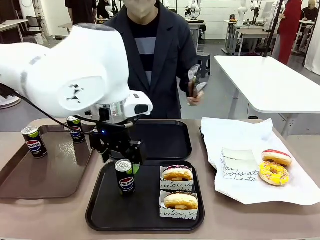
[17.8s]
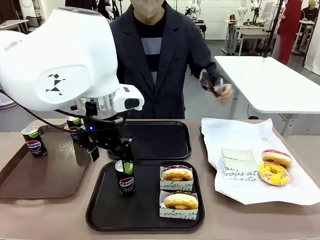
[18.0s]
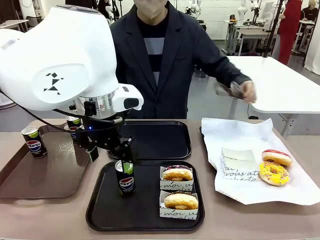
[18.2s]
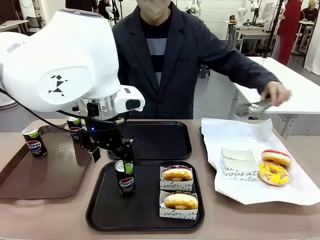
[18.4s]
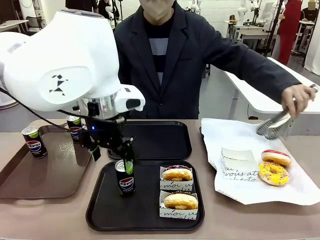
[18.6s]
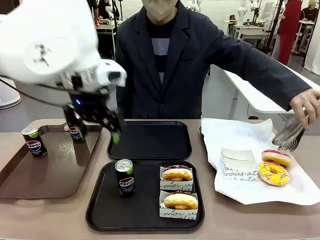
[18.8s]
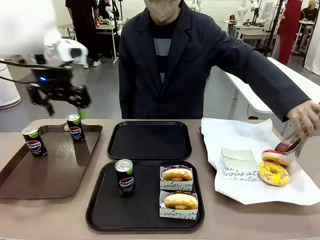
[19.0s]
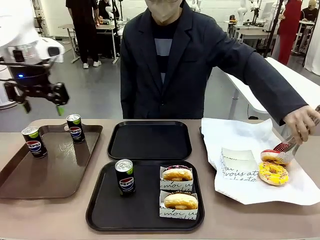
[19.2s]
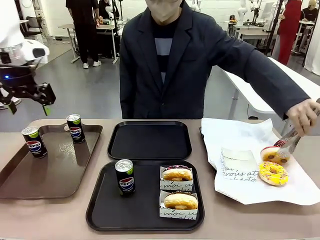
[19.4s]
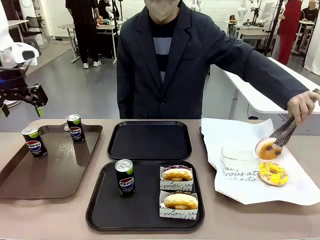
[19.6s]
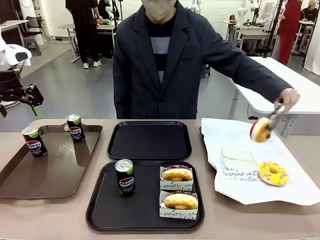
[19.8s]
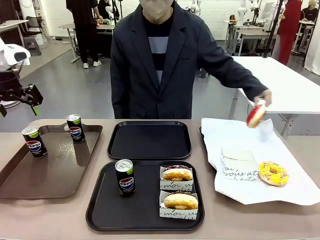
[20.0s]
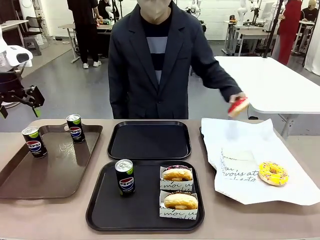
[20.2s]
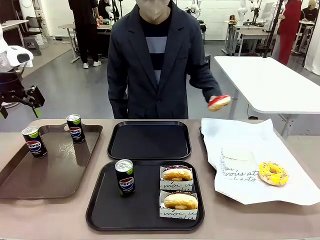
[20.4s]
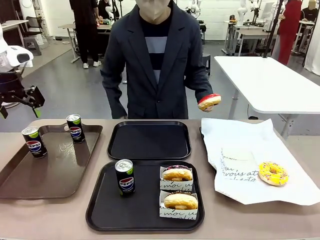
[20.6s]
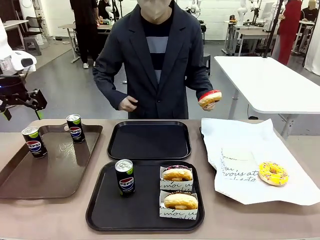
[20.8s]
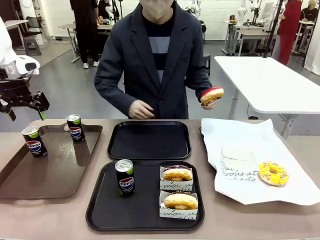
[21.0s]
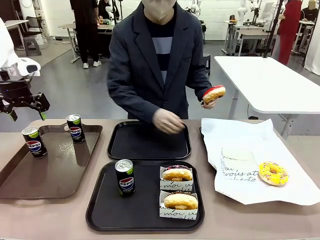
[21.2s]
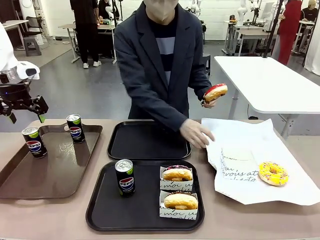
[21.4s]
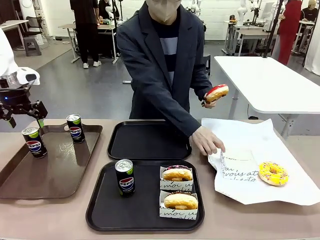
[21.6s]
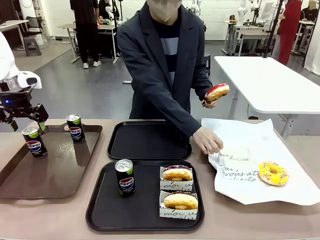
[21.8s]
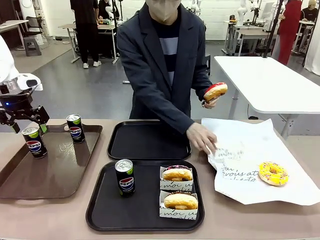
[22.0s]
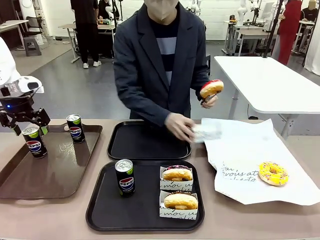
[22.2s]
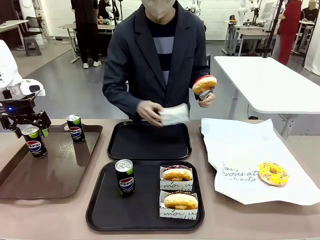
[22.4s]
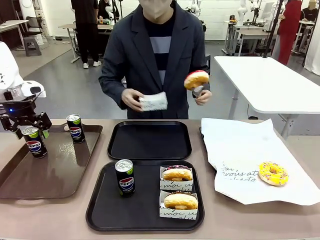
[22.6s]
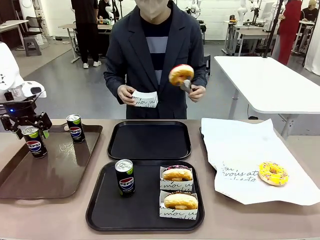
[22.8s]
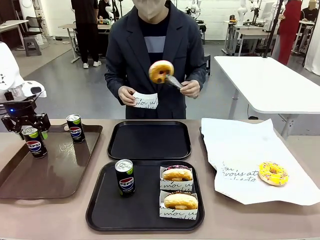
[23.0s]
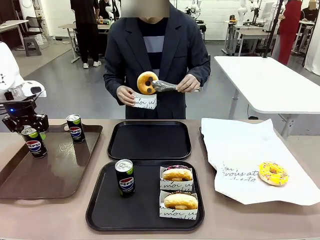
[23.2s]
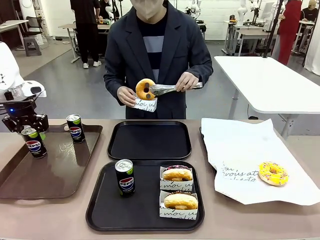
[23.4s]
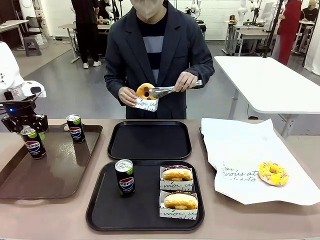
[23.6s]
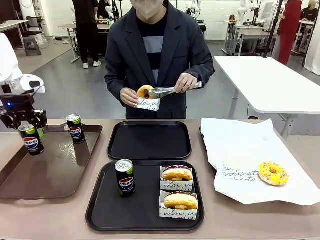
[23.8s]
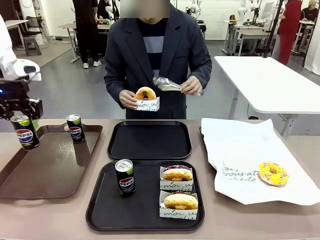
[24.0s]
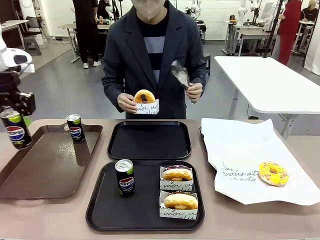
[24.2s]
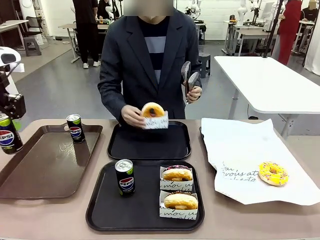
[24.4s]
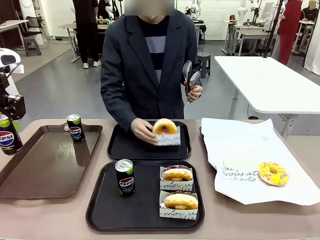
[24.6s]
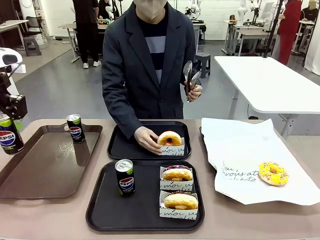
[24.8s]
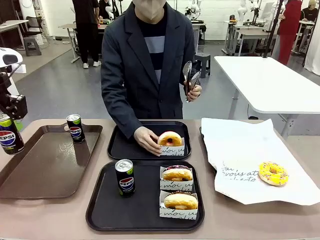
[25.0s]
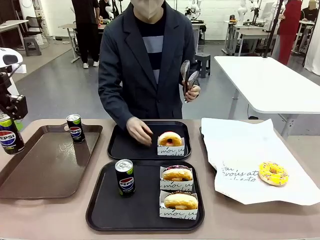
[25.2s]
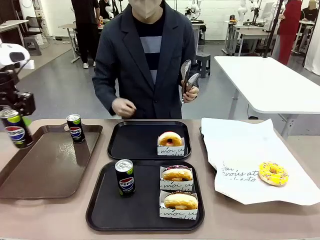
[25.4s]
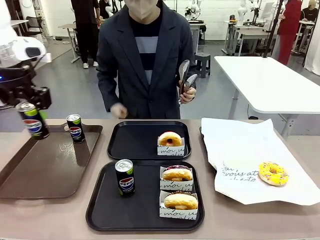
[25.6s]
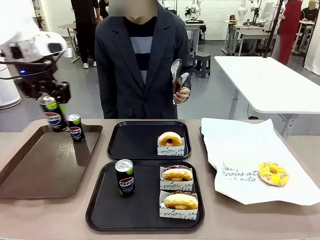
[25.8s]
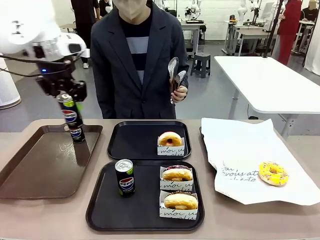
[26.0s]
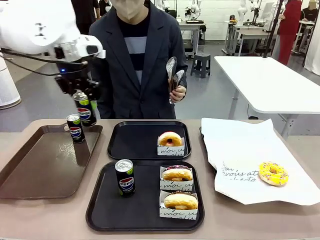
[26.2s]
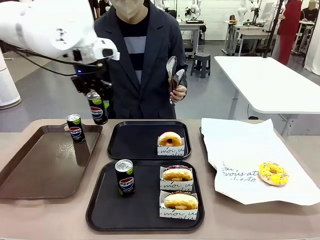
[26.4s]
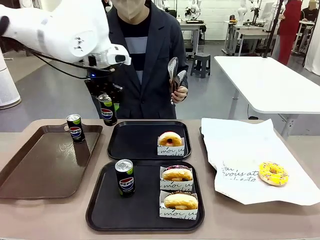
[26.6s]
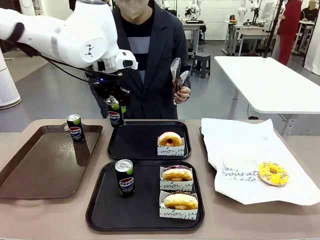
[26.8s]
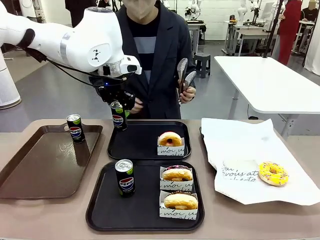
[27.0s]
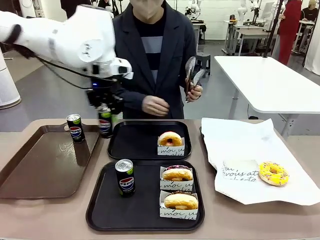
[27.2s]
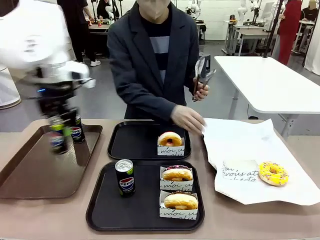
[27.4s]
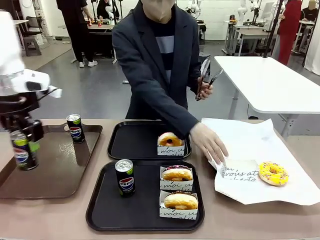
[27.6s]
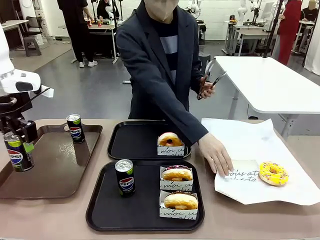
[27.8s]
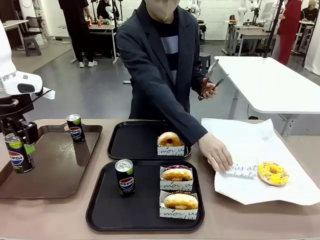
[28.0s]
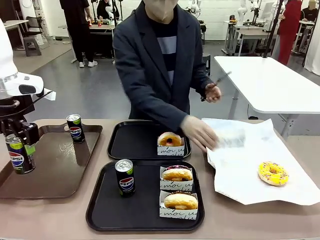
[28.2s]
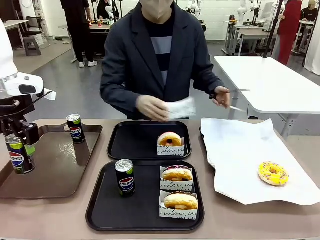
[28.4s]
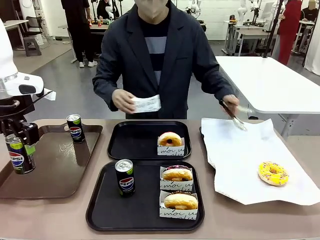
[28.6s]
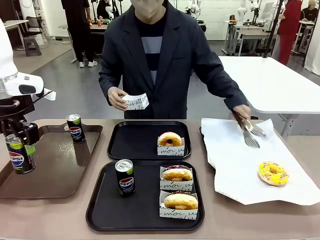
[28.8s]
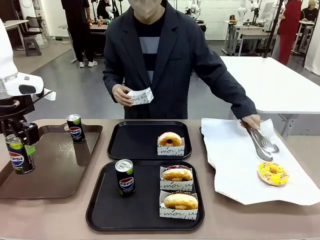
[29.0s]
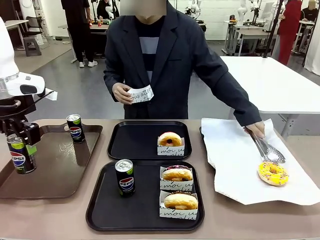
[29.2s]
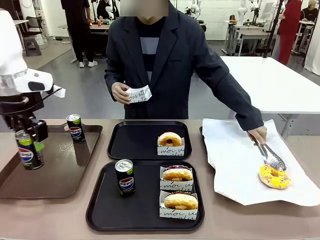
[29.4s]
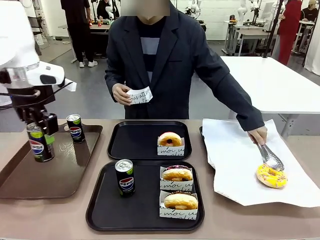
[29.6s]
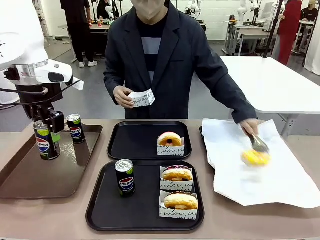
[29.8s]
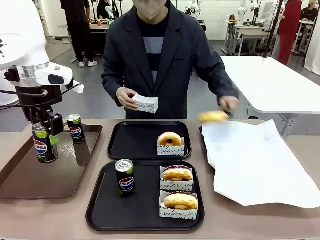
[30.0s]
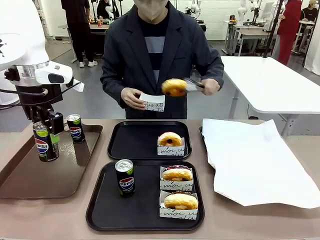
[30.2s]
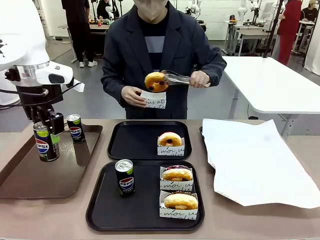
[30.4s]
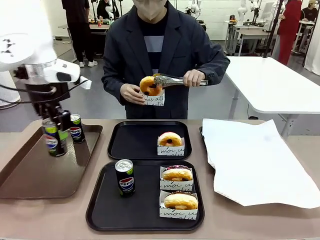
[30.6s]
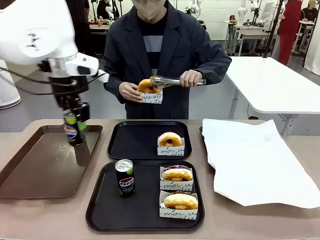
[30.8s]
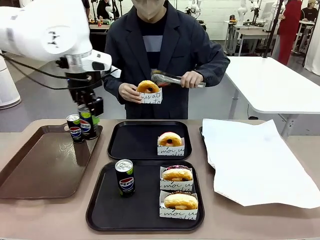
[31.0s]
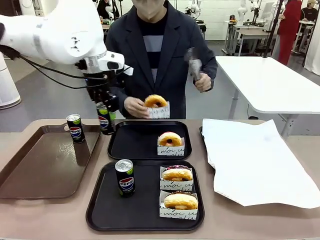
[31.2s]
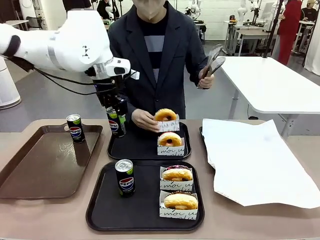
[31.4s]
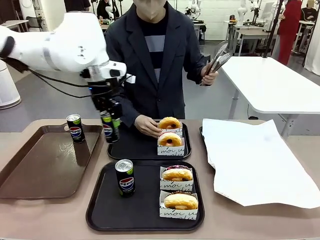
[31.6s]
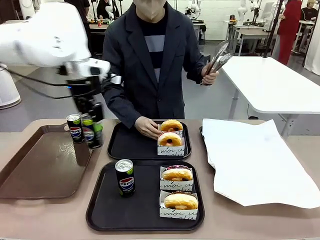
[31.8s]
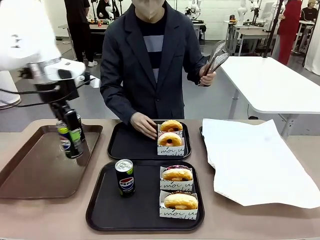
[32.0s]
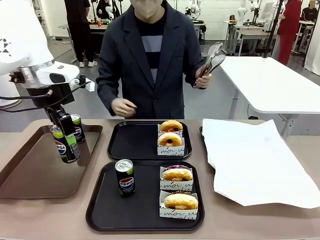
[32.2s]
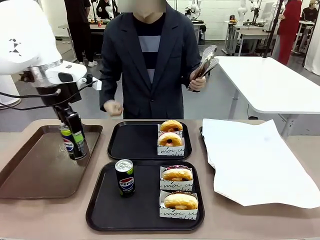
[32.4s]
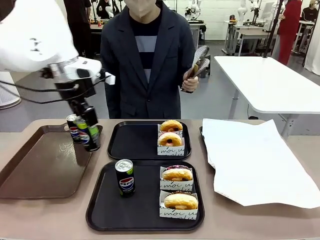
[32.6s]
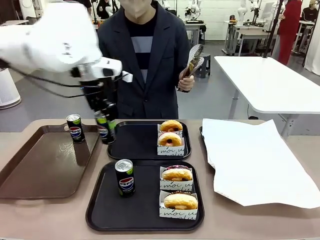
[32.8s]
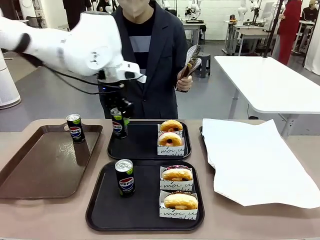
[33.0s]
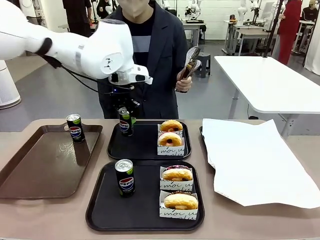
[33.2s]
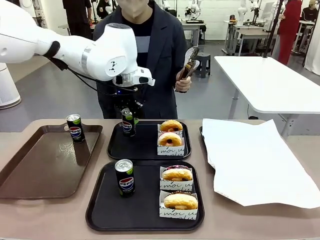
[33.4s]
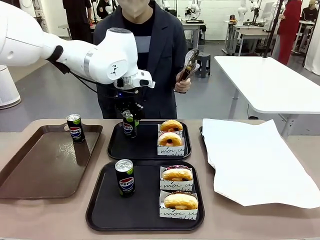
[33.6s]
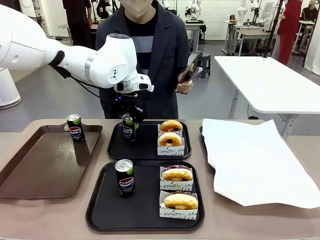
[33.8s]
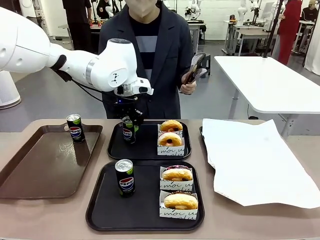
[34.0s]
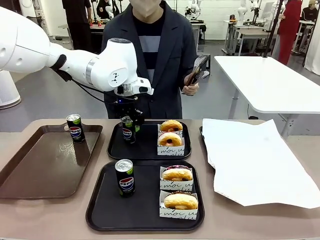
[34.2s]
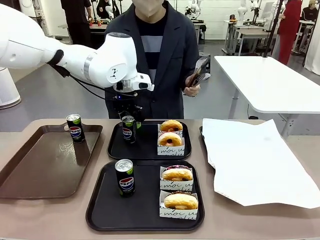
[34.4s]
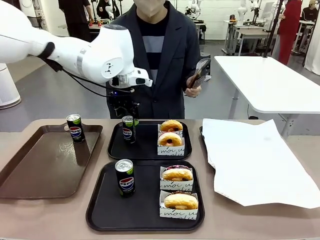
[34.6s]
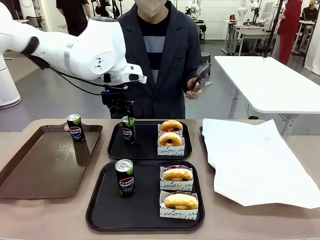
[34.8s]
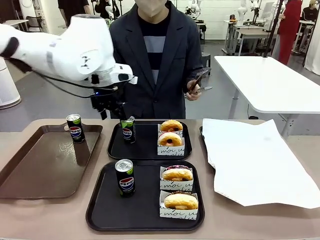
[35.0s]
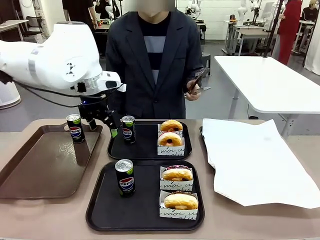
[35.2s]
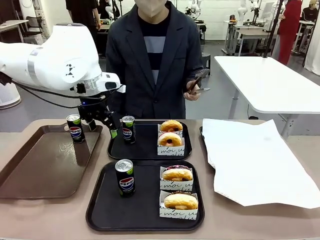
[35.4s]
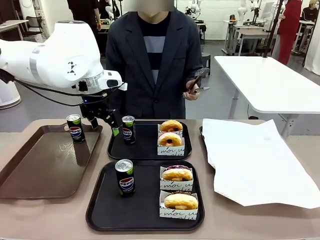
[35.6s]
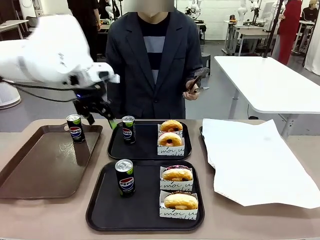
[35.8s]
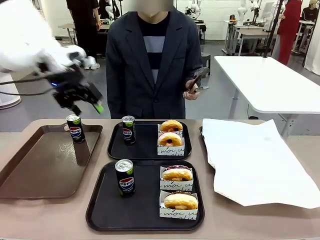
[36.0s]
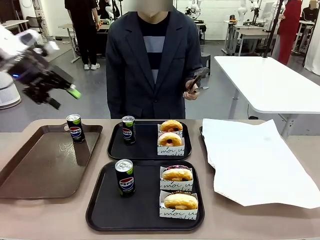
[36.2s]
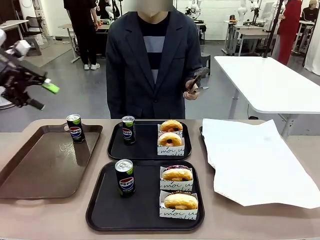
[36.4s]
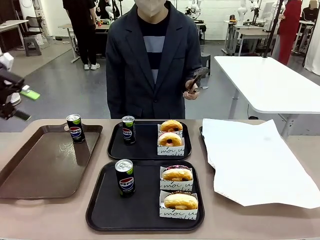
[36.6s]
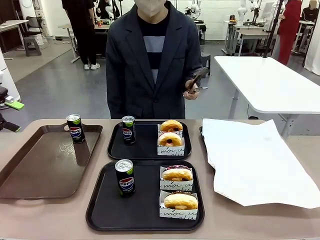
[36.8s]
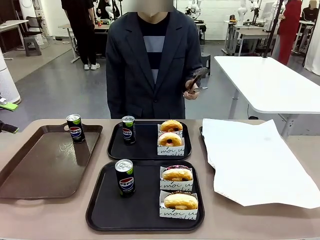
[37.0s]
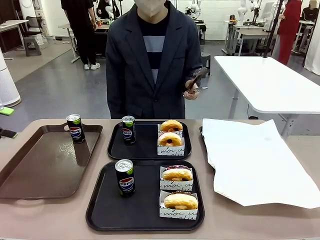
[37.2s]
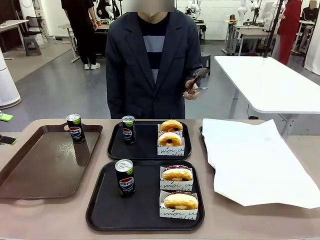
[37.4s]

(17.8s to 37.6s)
Task: Set up donuts and drinks on trays.
Robot: Pick up one Pepsi coke from the Handle tray and place it on the Flat Tray without a Pepsi coke.
Person: Pick up one donut with tongs, place it in the donut tray, and then place the donut tray on the flat tray.
